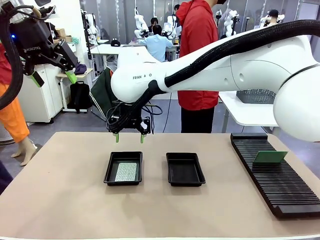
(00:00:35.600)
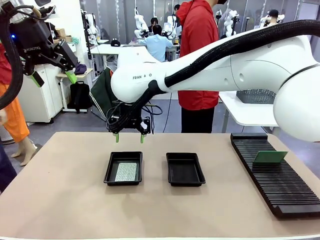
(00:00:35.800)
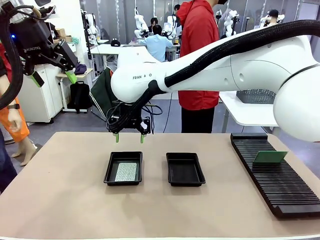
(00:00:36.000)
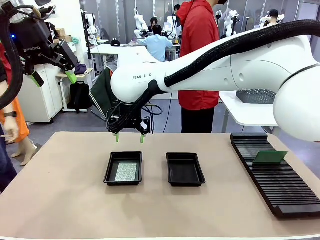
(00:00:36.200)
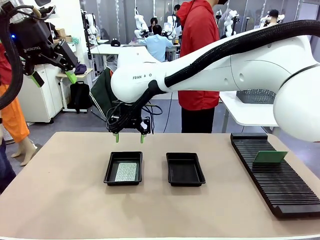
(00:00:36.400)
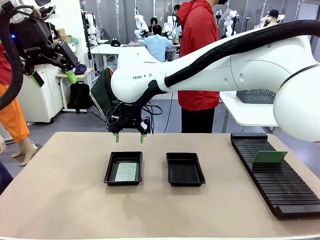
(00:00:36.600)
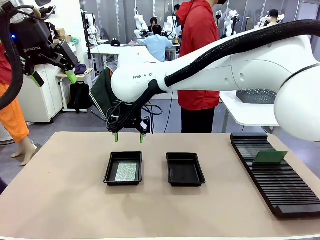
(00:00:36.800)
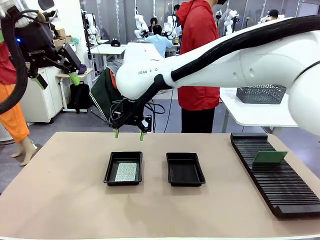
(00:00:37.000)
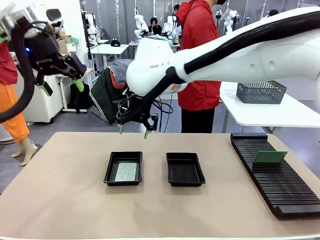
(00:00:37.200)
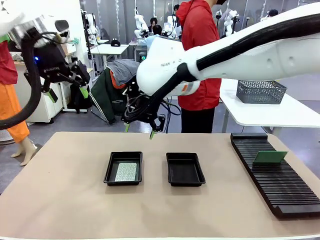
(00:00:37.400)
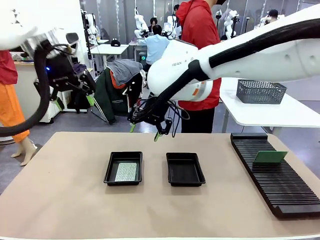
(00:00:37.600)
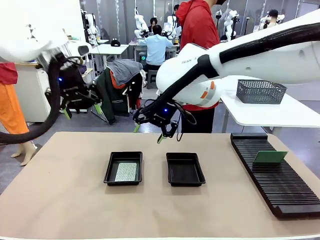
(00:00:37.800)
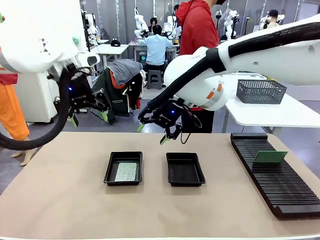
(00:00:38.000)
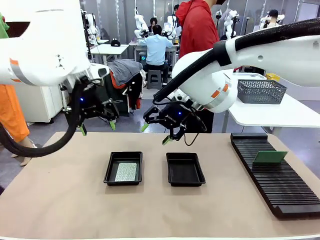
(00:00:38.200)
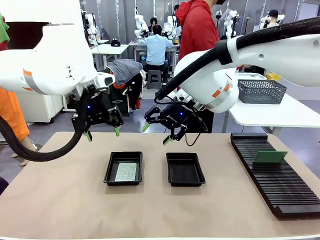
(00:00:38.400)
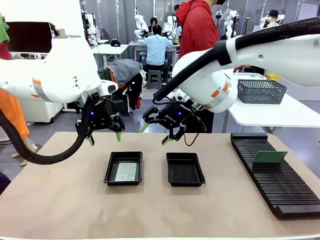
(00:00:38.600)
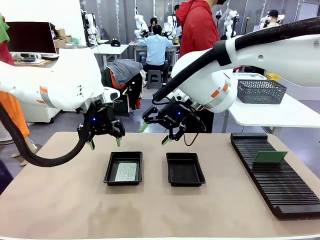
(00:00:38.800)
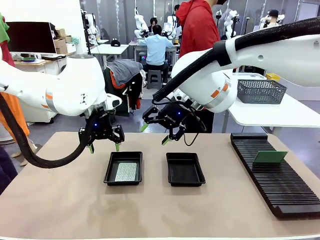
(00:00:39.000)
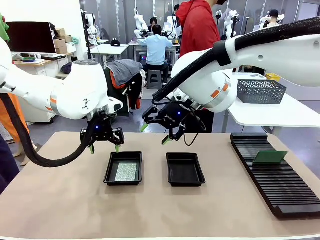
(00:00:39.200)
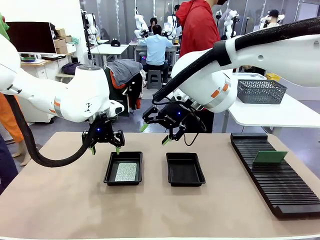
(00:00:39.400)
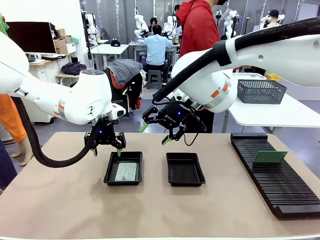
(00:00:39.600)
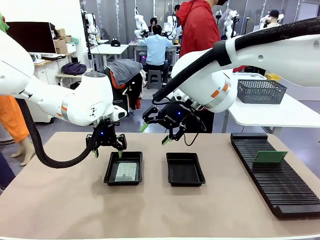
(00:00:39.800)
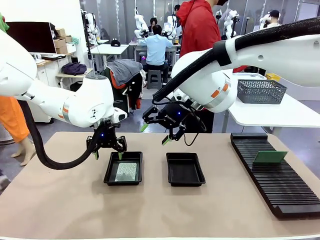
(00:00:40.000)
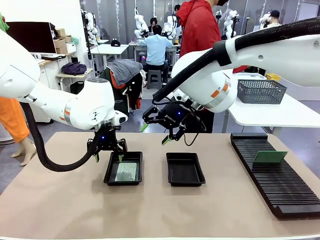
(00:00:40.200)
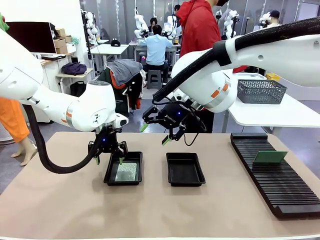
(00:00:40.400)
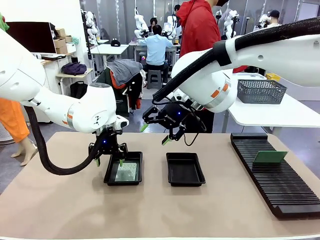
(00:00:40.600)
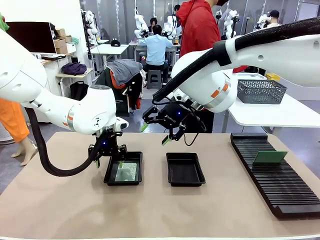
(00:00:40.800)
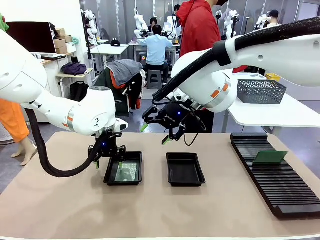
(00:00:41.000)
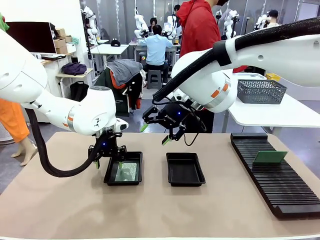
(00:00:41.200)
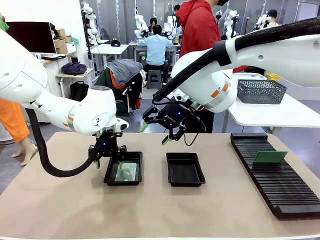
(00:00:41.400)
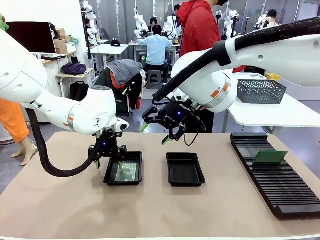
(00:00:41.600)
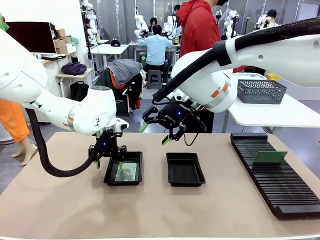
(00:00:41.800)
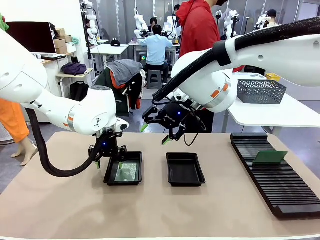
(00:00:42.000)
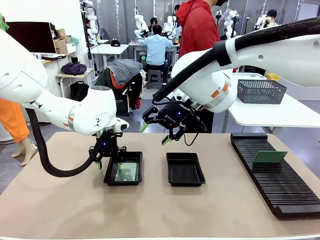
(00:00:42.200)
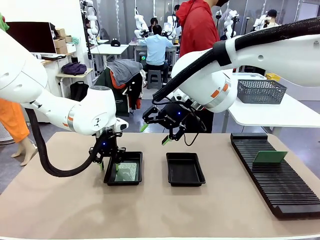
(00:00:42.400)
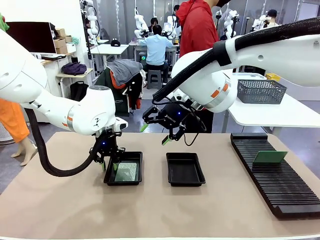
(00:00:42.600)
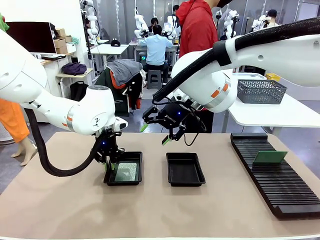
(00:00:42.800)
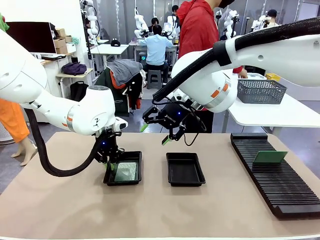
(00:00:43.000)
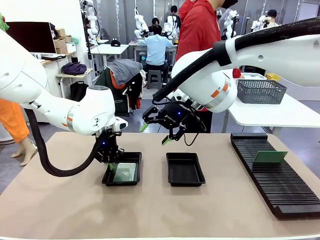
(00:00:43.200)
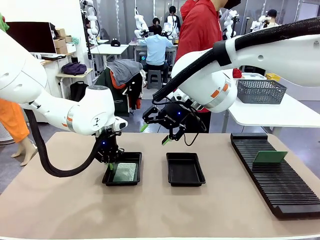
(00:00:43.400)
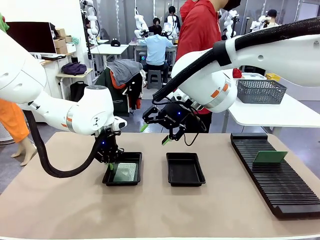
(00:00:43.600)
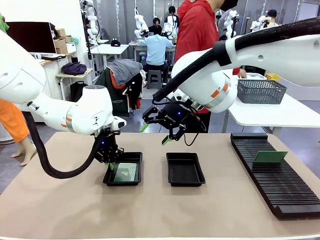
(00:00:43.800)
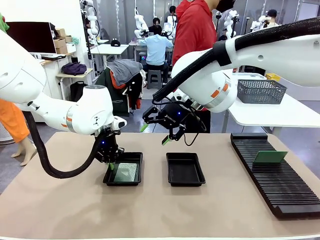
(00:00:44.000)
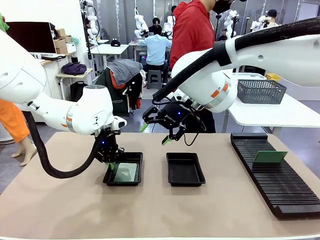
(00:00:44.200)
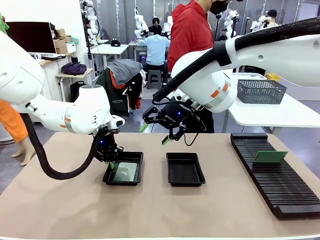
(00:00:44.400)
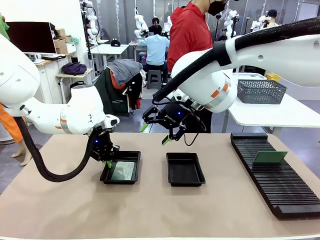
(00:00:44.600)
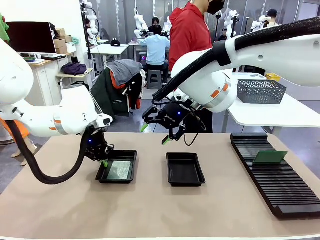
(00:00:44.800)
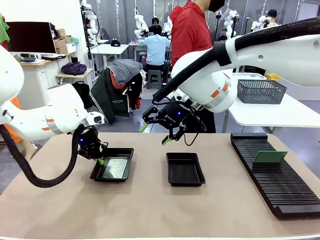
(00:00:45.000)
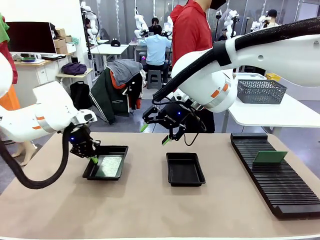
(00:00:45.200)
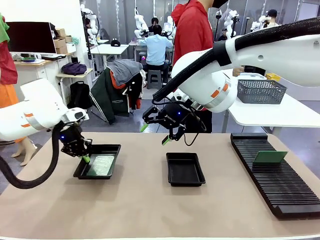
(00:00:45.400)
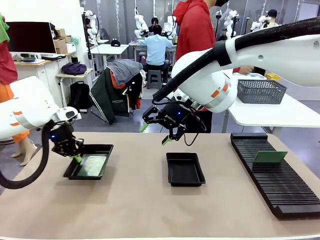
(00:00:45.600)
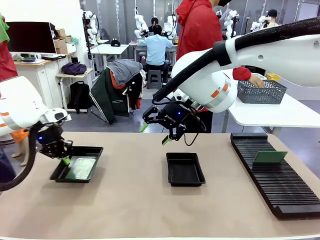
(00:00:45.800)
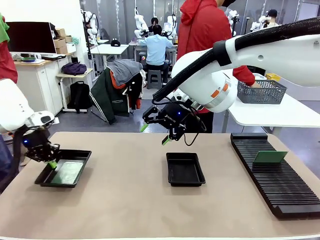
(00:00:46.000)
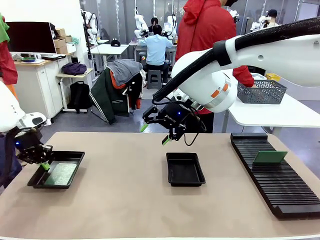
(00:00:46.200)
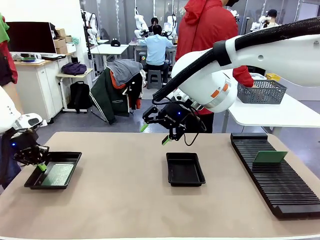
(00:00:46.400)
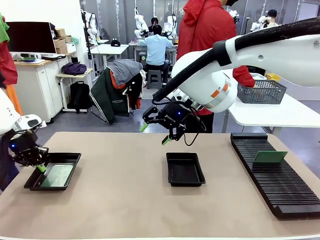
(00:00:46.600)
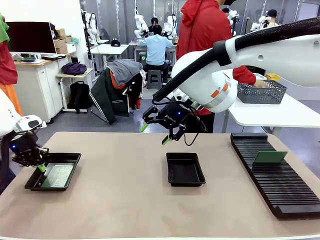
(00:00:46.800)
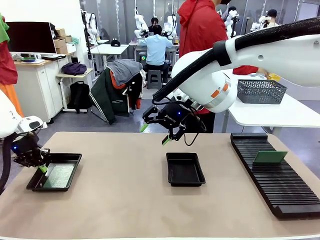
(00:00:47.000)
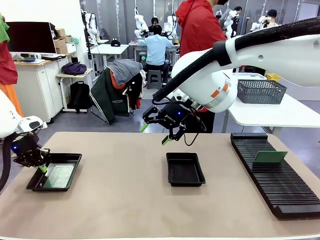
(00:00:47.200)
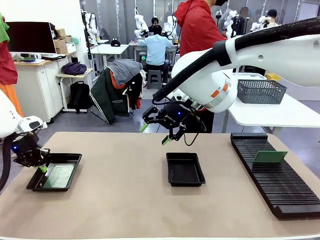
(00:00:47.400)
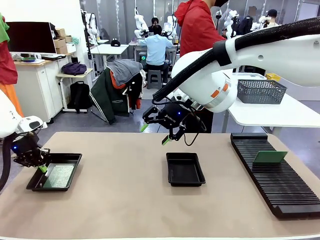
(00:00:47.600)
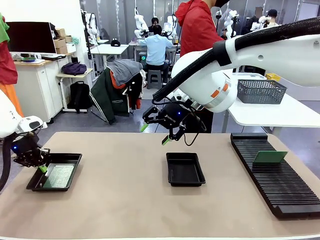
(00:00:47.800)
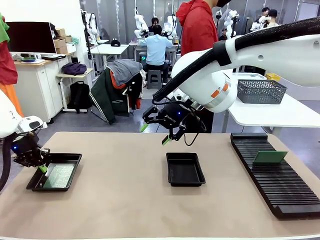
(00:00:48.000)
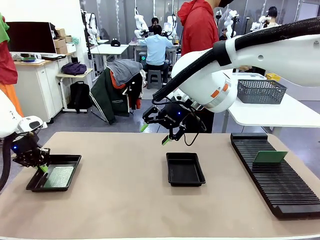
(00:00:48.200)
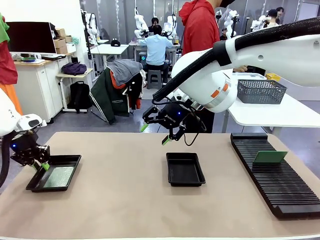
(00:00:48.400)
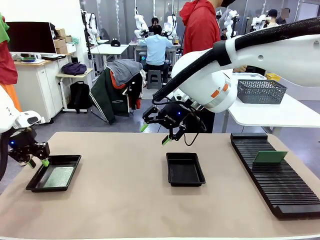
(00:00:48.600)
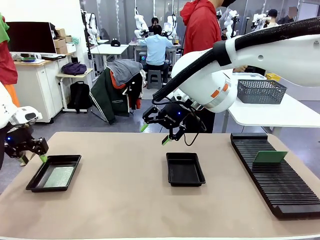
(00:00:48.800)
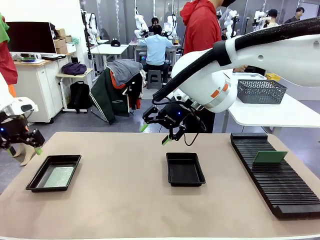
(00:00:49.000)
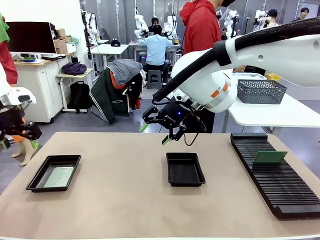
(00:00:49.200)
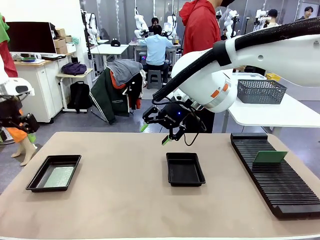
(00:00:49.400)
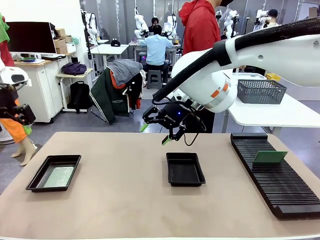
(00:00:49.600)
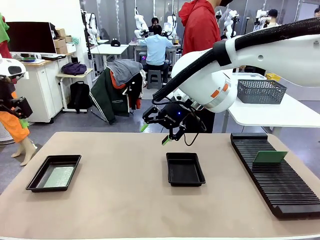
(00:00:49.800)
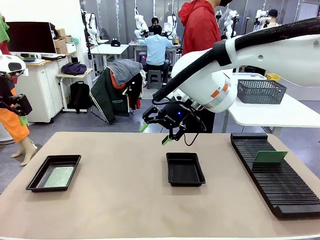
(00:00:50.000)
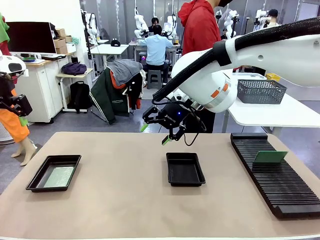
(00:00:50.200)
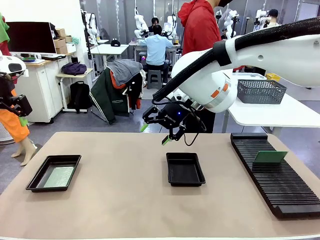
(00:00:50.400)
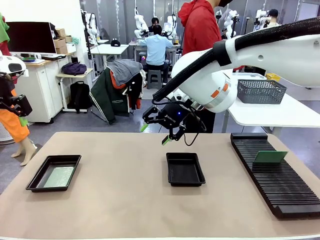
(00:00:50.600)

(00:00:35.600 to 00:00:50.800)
Task: Inspect and transfer BCBs to ESD trays.
Robot: Pick up the ESD tray and place it on the left side of the table.

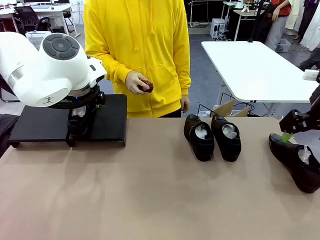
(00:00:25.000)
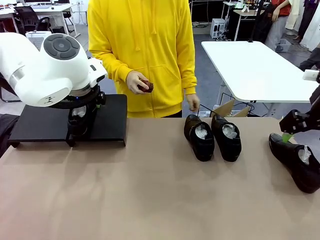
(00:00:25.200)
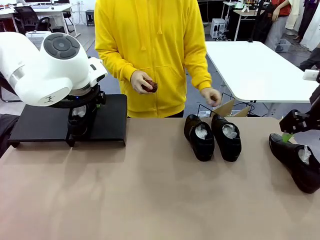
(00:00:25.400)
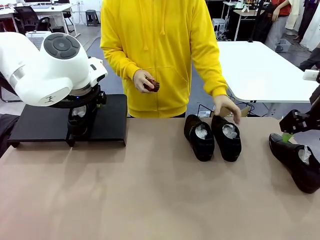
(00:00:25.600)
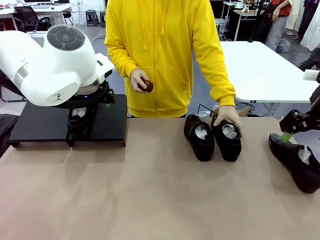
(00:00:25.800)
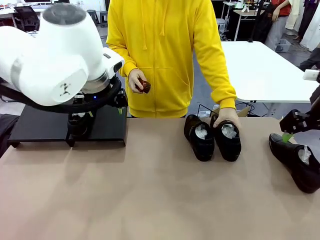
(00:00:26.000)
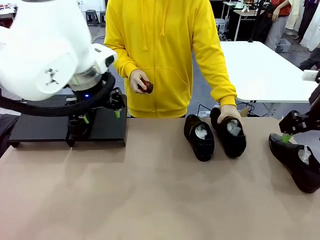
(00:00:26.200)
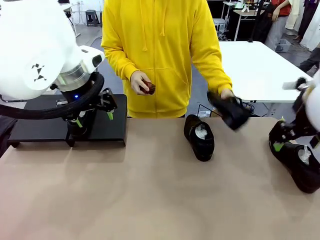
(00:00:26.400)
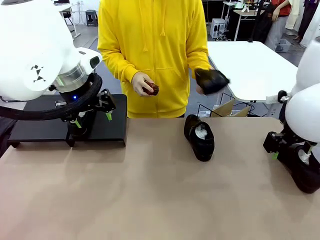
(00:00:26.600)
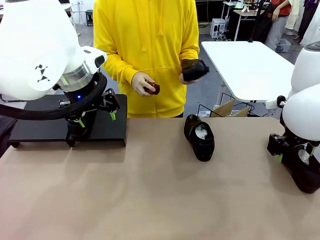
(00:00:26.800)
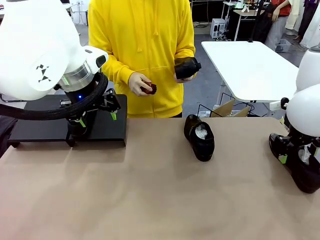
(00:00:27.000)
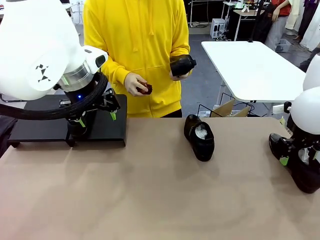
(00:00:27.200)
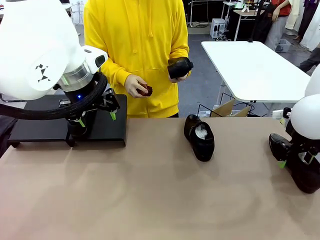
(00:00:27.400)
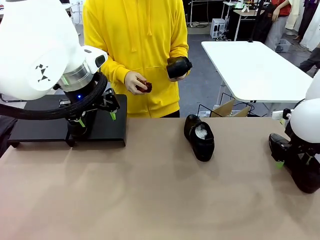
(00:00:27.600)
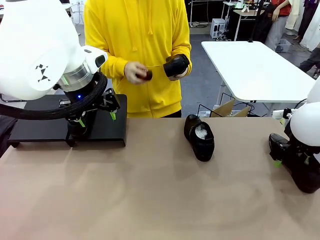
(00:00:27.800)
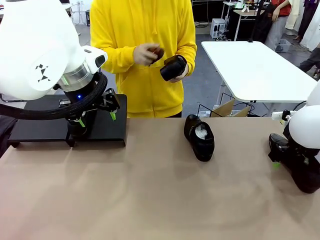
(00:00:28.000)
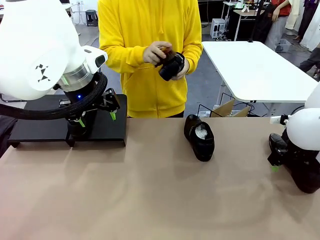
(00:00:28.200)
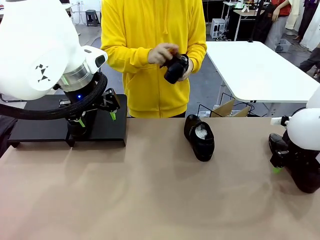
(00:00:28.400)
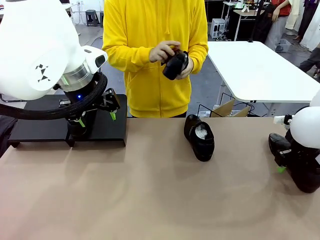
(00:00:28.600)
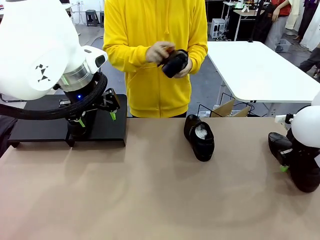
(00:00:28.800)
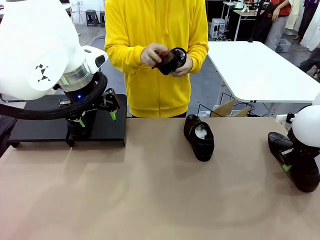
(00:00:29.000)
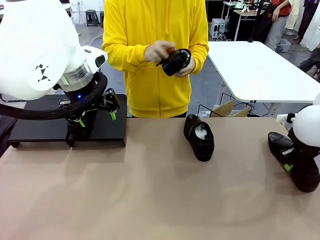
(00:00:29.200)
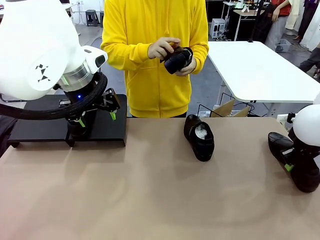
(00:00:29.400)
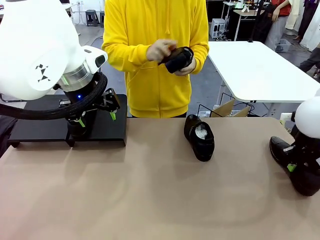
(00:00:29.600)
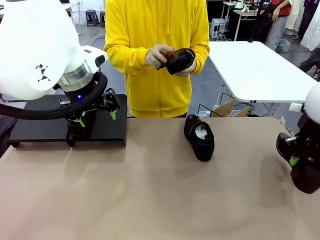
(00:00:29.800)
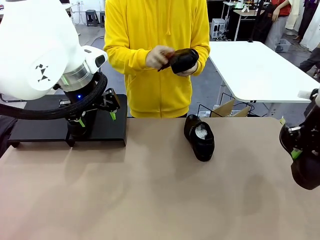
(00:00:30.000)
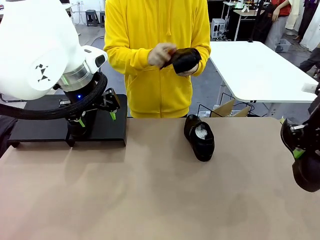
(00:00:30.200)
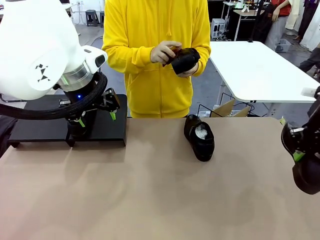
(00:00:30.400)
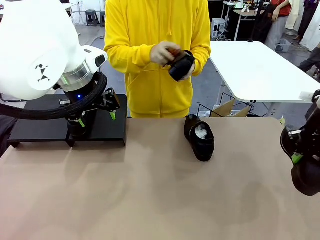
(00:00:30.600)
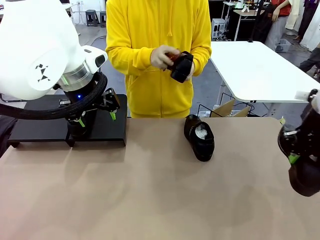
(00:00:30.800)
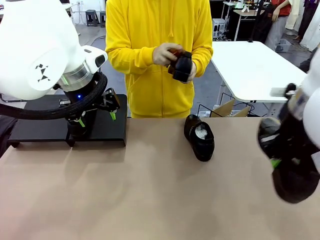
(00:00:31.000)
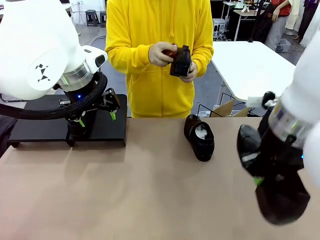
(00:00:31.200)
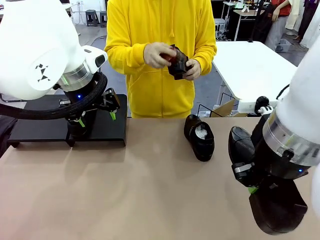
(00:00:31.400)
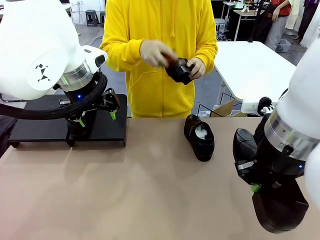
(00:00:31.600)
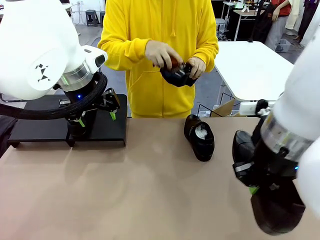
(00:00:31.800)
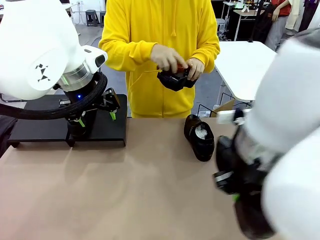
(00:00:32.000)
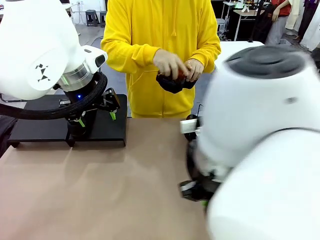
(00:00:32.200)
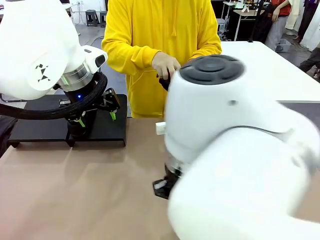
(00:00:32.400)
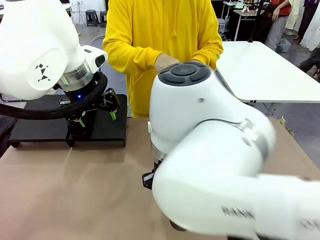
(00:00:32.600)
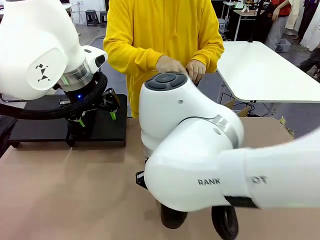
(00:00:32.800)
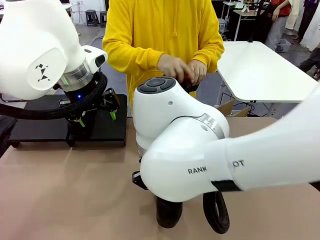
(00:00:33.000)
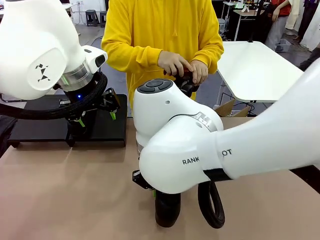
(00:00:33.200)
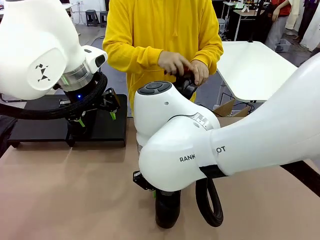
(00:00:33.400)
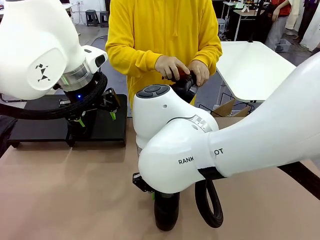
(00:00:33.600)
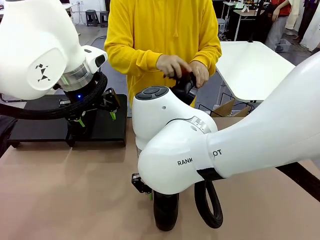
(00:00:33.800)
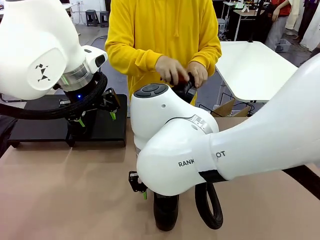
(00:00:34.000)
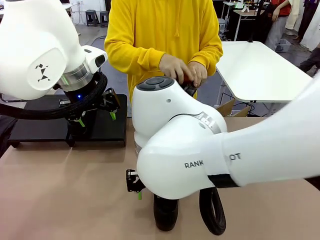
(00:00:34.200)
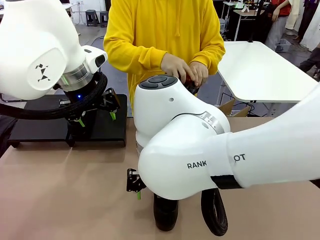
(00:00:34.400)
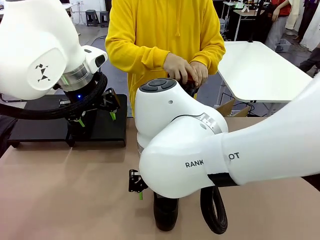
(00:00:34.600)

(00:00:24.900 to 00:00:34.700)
Task: Organize the shoes by placing them on the stand.
Robot: Pick up one Shoe and place it in the middle of the table.
Person: Pick one Shoe on Robot's table.
